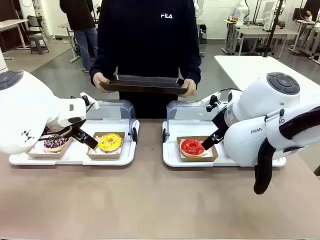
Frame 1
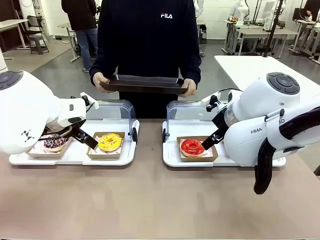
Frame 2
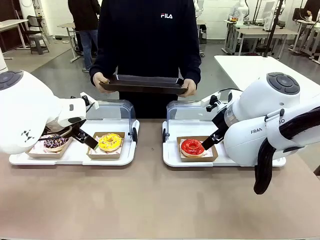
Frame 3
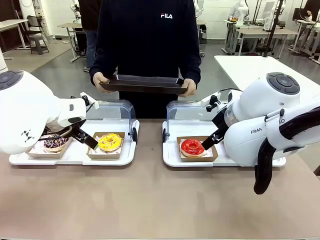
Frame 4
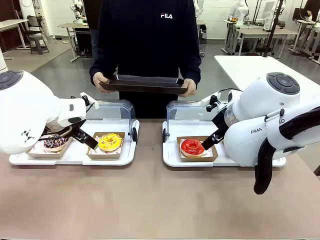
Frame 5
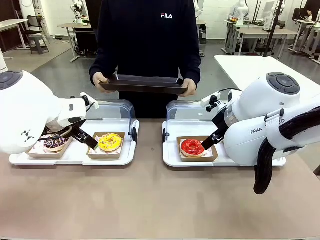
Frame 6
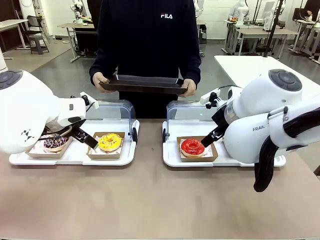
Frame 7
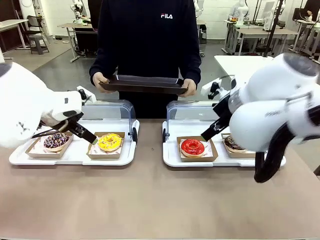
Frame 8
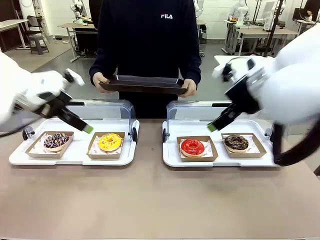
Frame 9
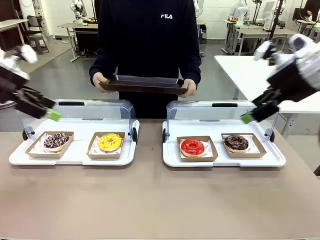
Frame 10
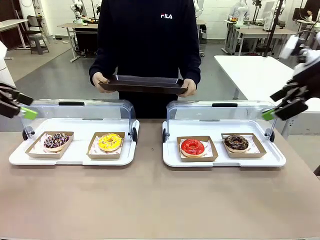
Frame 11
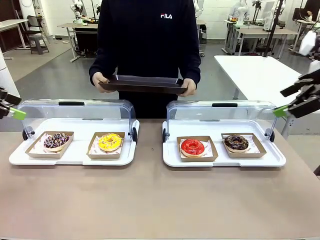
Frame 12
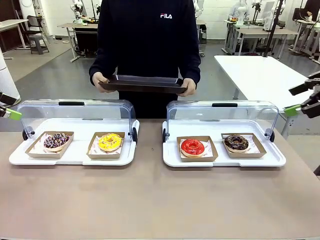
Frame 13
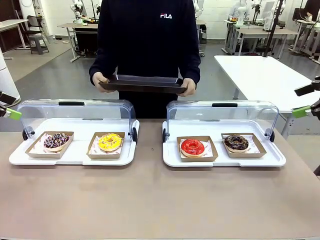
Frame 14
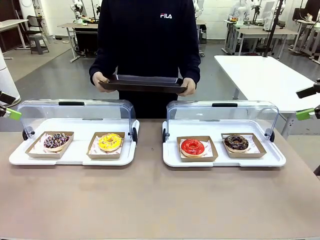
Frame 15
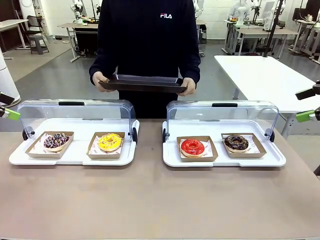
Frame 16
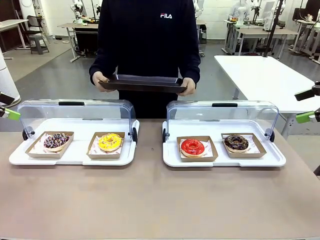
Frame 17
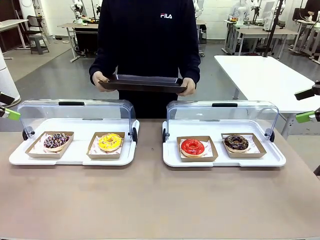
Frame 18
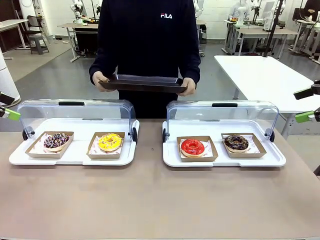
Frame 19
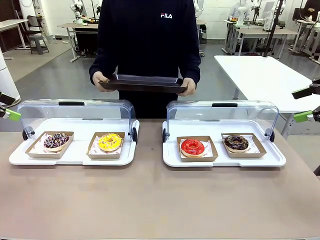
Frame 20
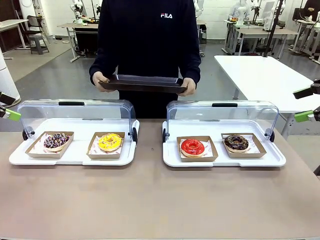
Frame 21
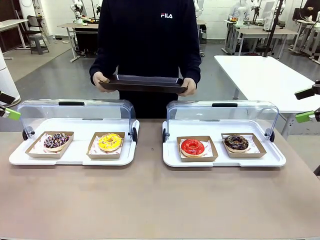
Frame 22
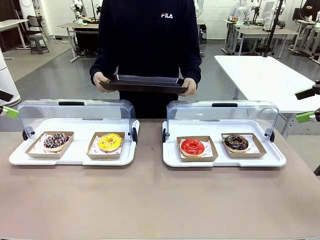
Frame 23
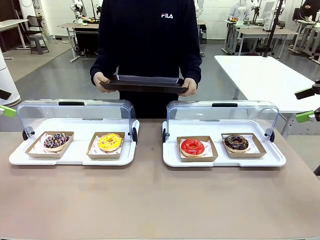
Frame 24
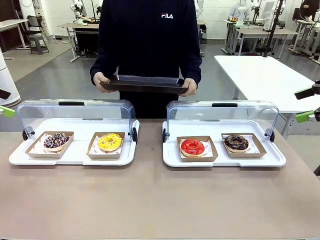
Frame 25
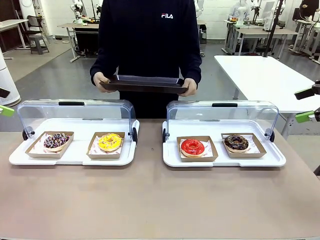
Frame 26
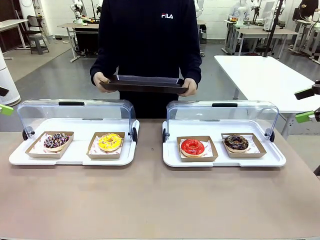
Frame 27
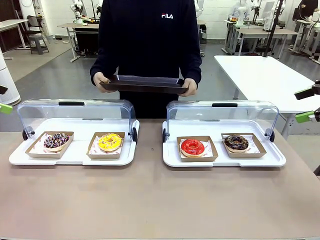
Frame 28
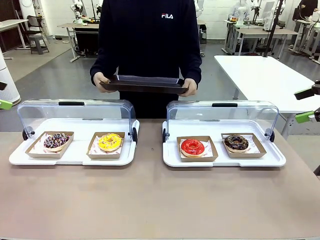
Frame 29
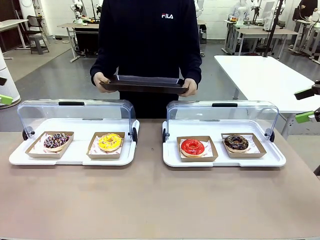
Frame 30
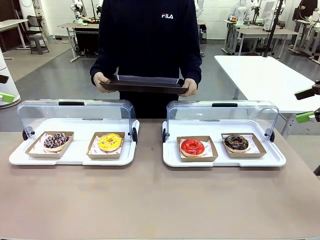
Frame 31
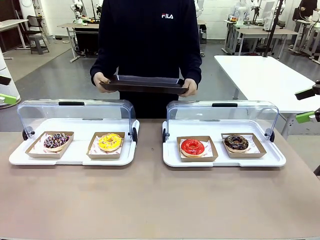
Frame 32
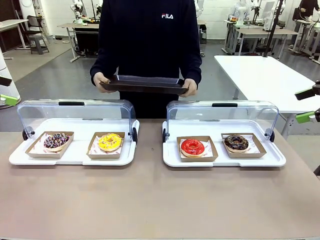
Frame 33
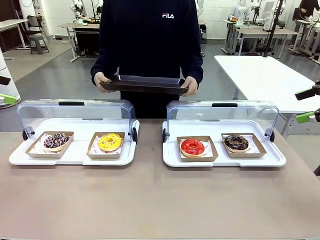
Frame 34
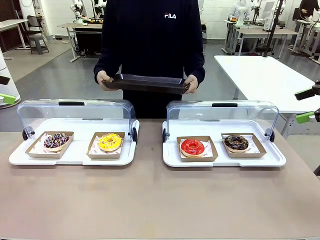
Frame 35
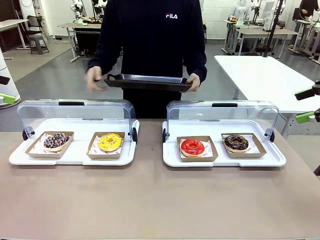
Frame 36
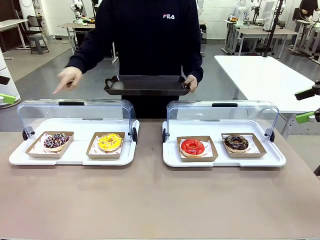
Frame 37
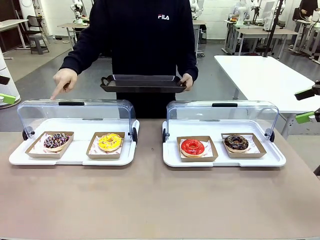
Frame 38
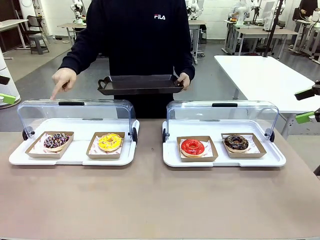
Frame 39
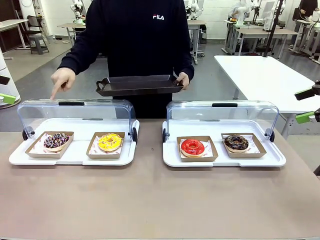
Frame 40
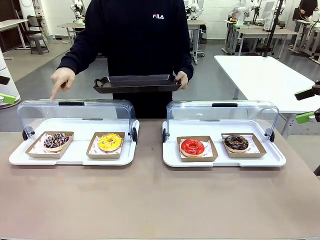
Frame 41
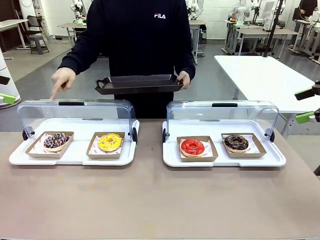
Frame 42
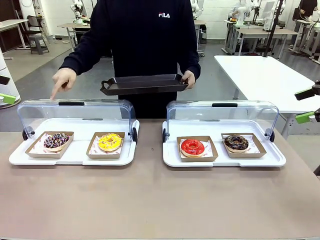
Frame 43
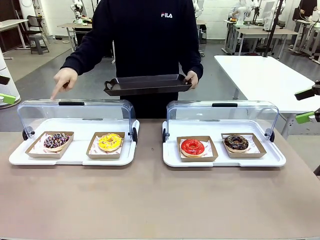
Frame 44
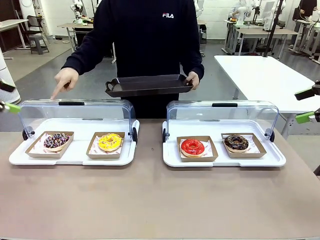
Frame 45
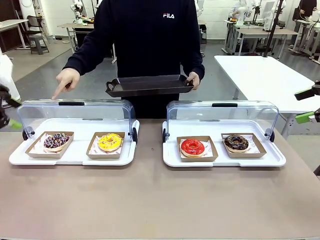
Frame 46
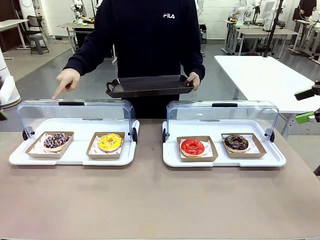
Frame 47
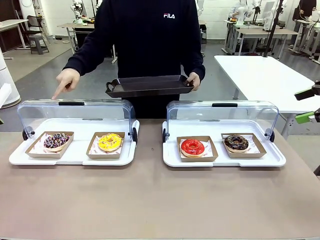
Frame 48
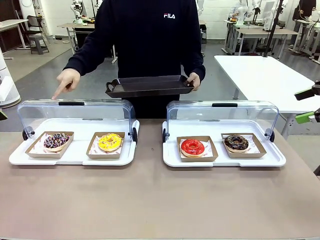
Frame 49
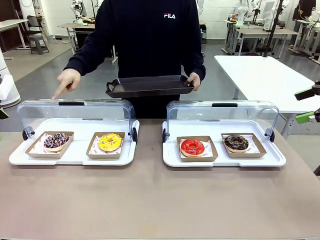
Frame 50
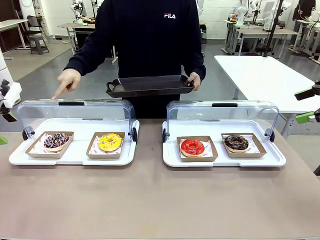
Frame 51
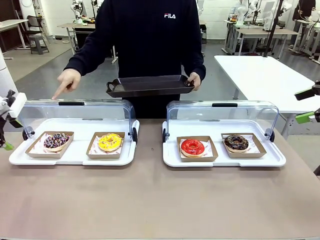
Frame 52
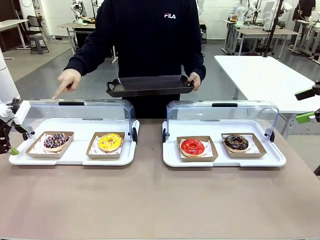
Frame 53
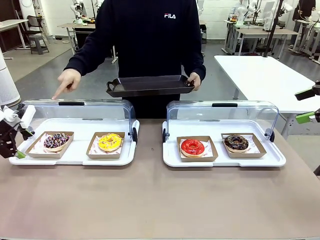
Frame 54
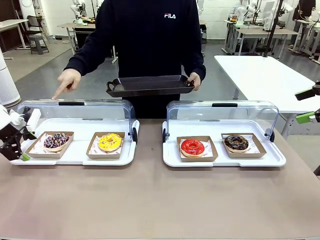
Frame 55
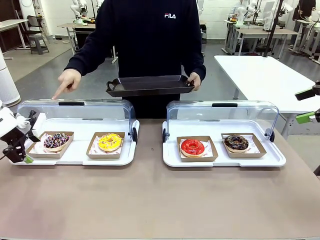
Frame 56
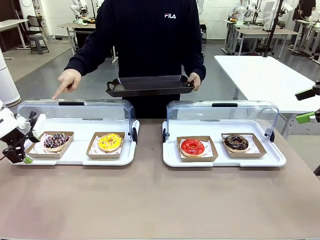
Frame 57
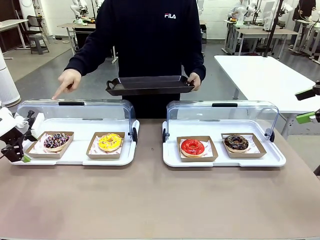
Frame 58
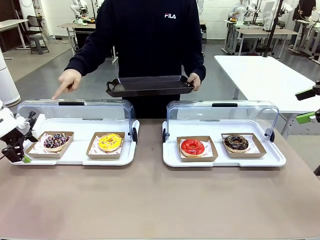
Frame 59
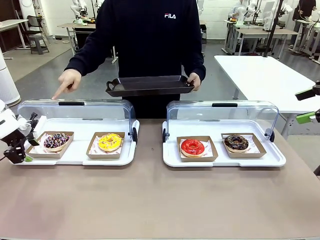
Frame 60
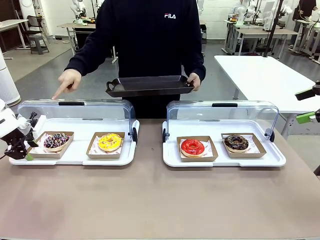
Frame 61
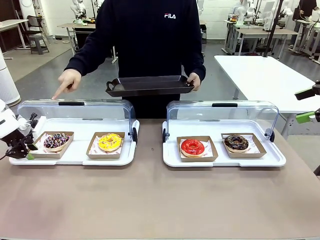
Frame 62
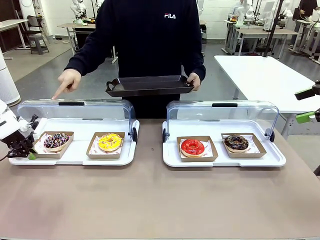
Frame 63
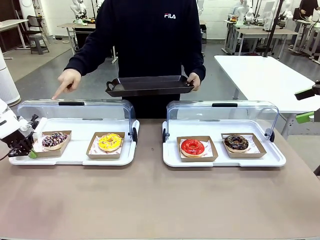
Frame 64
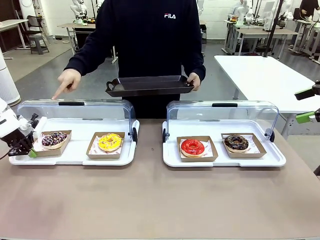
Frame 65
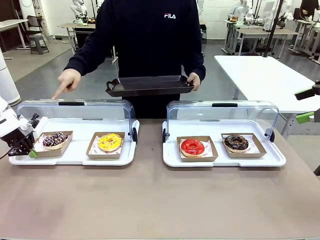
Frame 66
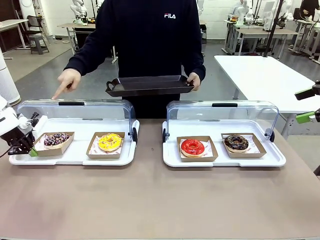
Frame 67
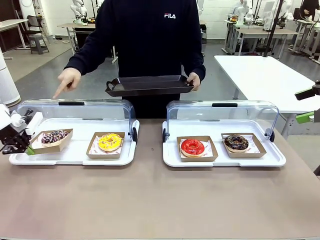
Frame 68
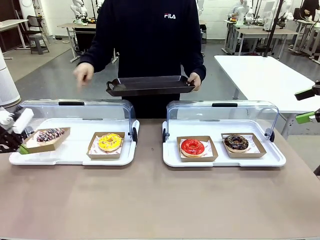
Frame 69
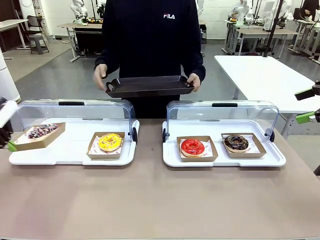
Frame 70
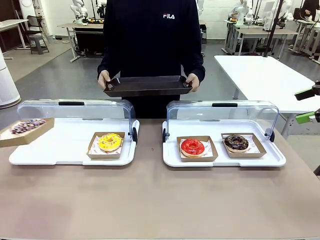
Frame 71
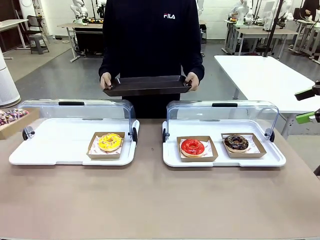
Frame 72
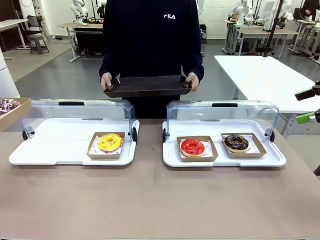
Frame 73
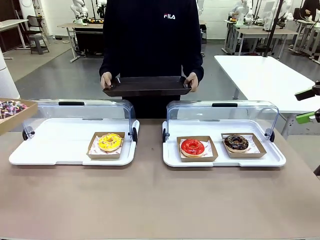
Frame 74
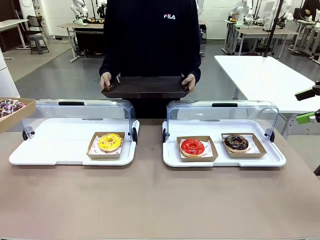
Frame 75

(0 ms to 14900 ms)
Task: Provide the desired donut to the person.
Robot: Pick up and lift the Paper togo box containing the Donut pointed at by the person.
Person: Point to one donut. Lift the tray onto the Roll-Top Bakery Case.

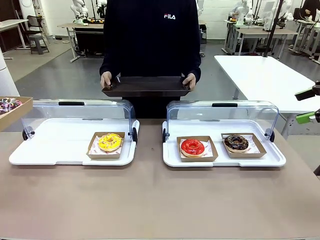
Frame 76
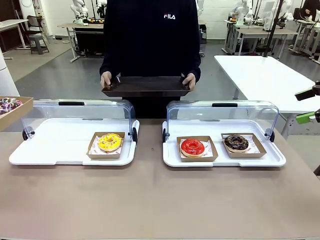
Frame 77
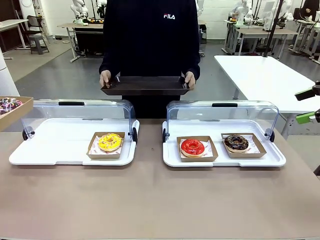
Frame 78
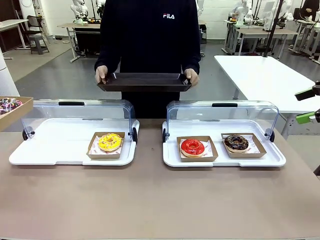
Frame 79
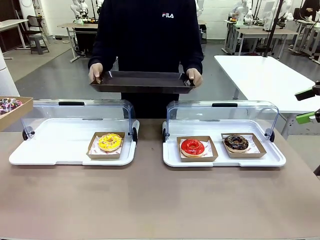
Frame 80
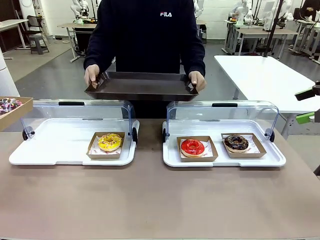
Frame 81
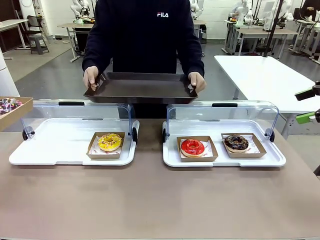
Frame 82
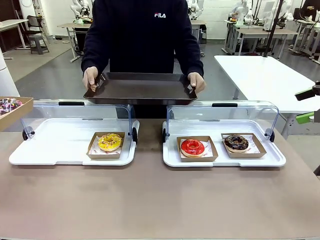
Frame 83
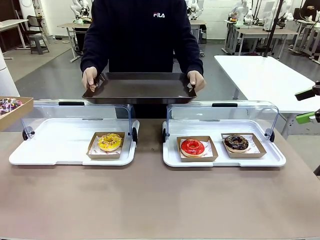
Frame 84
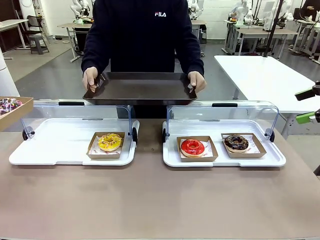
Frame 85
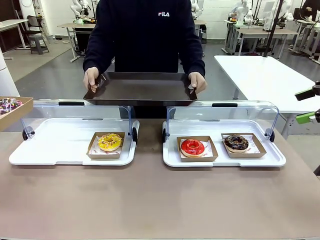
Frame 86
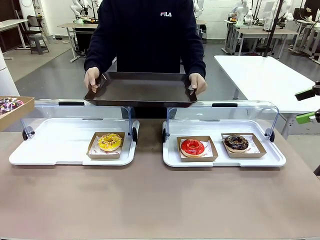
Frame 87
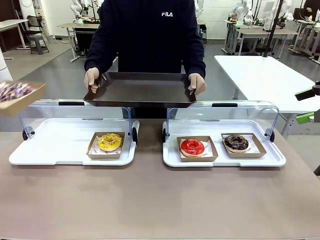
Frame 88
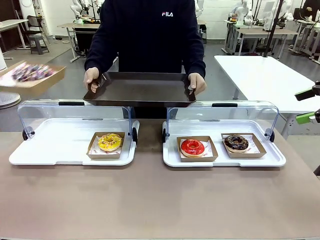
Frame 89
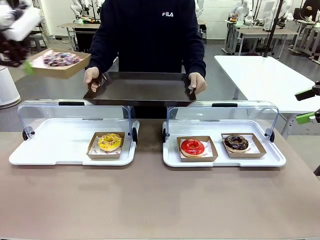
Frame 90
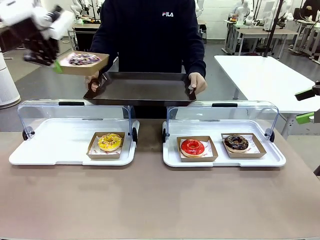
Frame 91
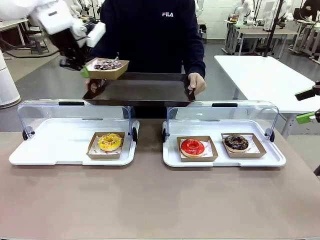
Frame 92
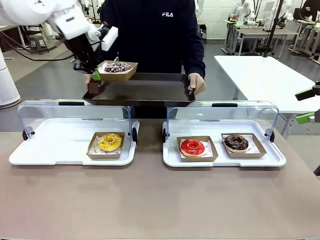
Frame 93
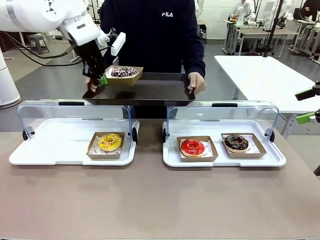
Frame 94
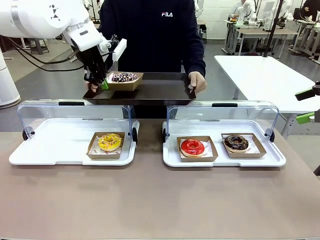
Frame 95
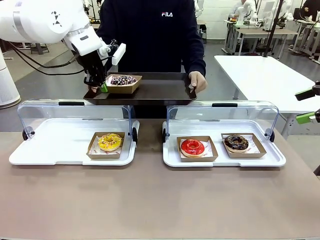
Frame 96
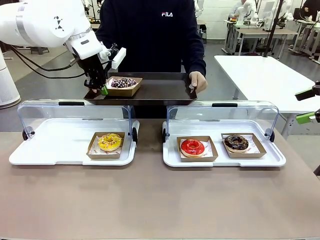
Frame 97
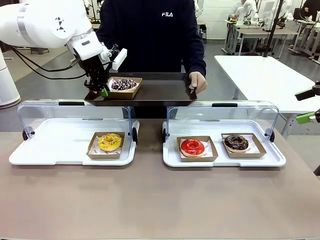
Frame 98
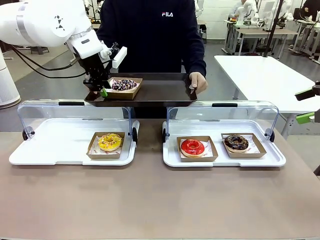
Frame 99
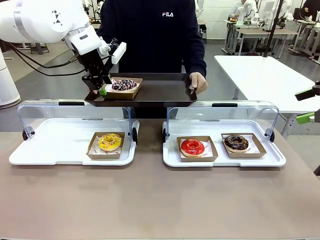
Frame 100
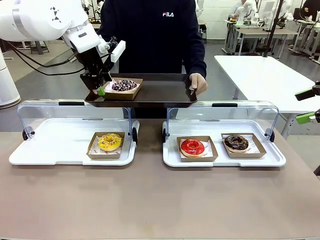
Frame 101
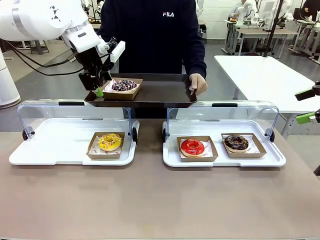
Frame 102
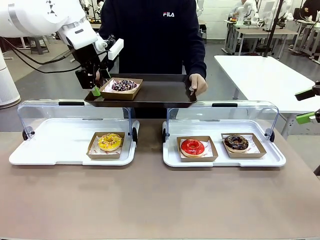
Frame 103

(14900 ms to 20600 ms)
Robot: Place the picked Paper togo box onto the Handle tray extended by the person.
